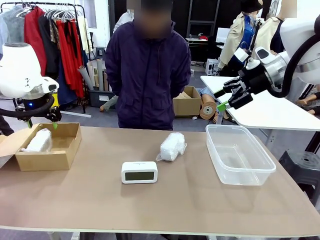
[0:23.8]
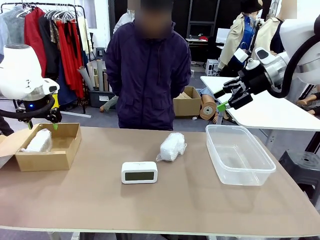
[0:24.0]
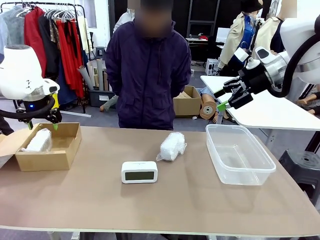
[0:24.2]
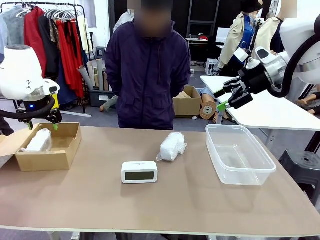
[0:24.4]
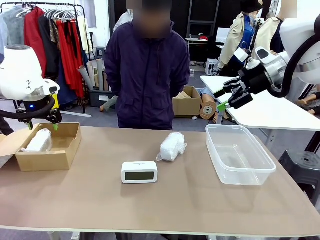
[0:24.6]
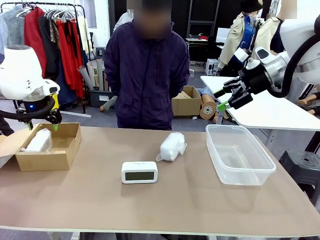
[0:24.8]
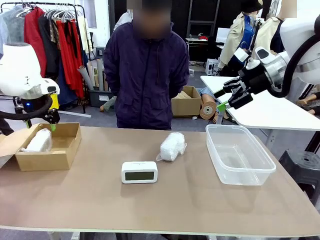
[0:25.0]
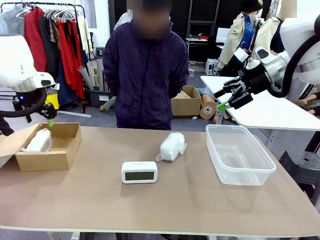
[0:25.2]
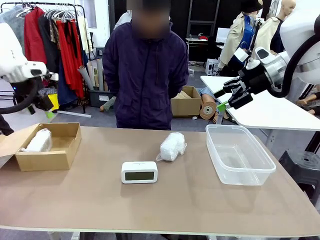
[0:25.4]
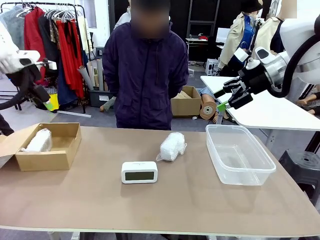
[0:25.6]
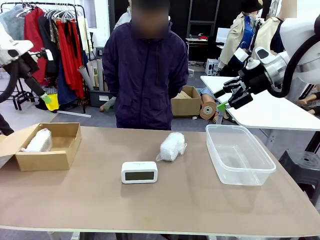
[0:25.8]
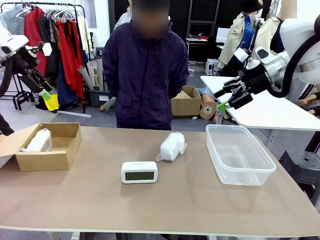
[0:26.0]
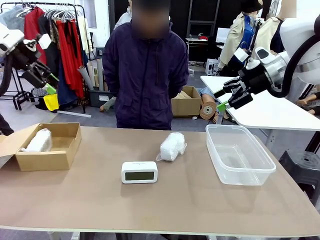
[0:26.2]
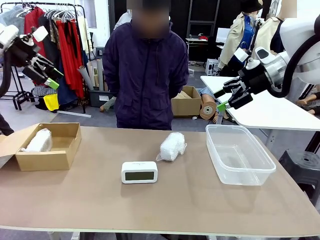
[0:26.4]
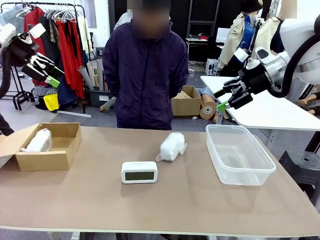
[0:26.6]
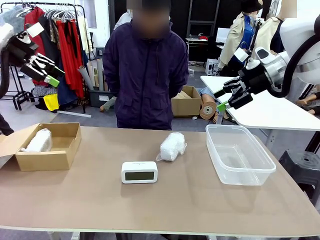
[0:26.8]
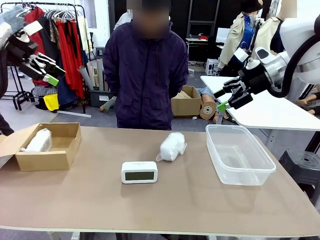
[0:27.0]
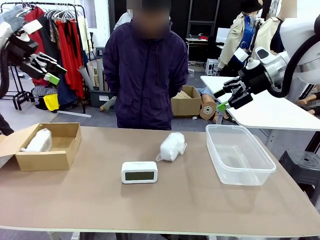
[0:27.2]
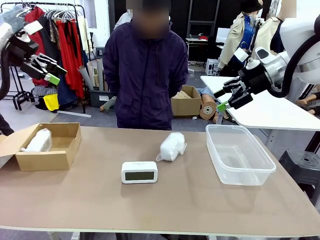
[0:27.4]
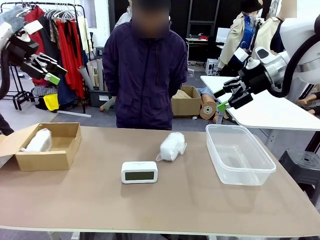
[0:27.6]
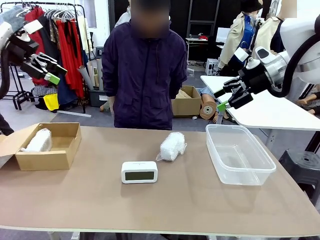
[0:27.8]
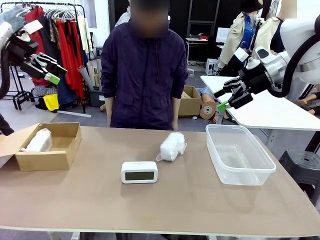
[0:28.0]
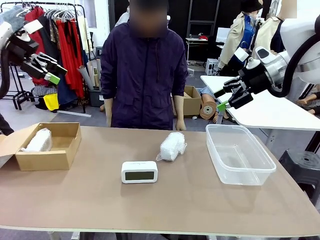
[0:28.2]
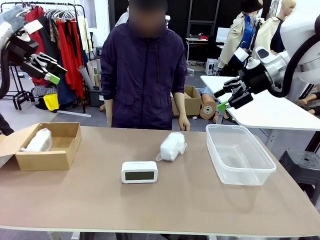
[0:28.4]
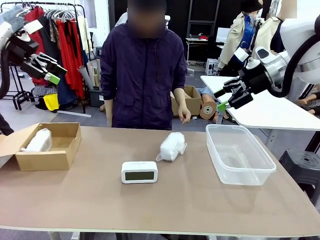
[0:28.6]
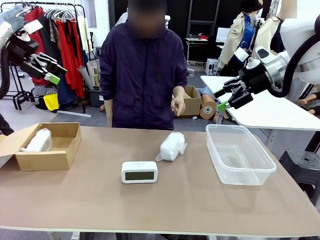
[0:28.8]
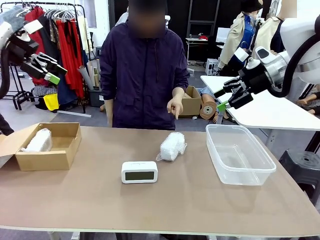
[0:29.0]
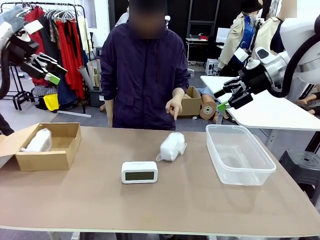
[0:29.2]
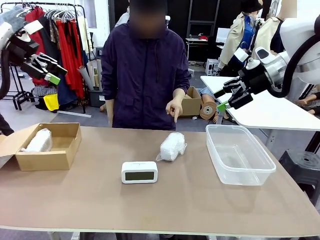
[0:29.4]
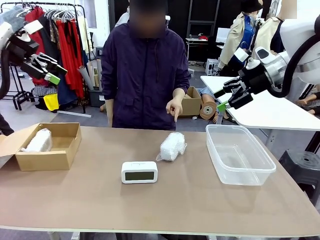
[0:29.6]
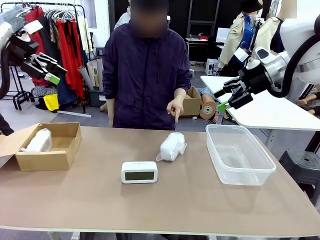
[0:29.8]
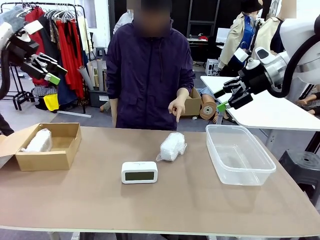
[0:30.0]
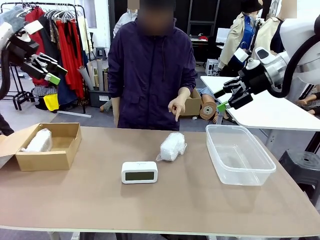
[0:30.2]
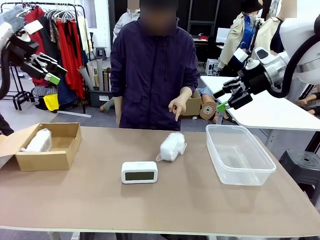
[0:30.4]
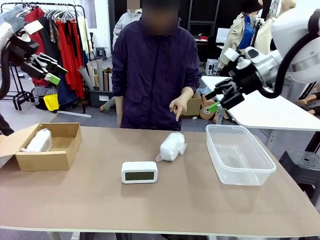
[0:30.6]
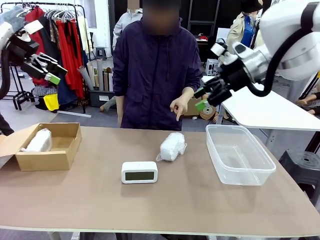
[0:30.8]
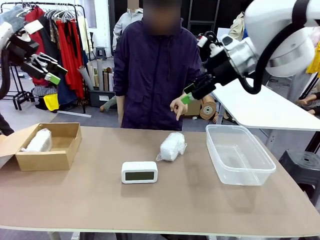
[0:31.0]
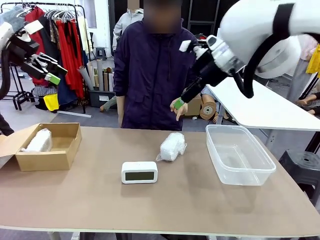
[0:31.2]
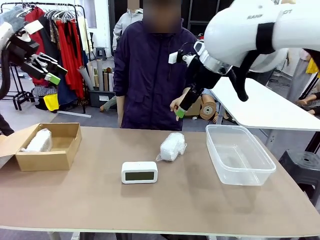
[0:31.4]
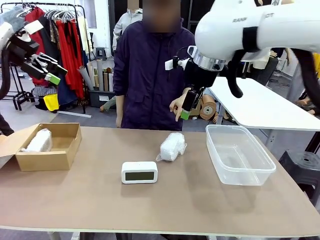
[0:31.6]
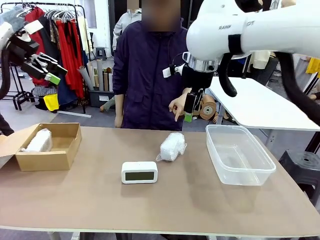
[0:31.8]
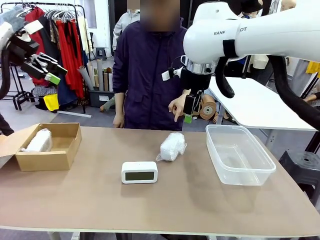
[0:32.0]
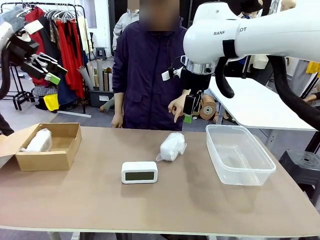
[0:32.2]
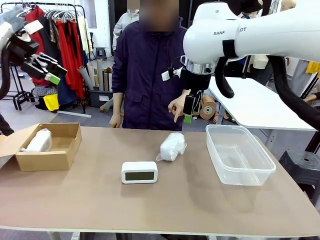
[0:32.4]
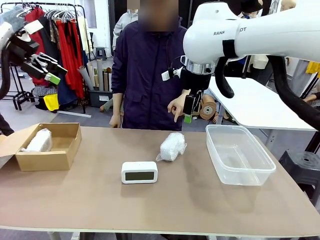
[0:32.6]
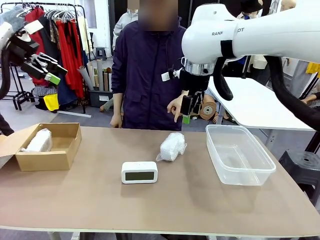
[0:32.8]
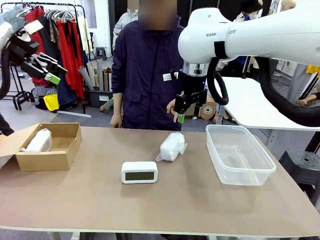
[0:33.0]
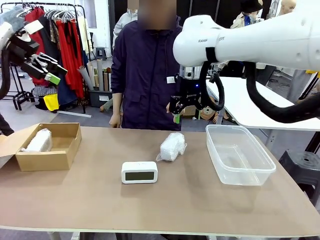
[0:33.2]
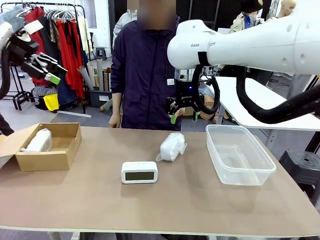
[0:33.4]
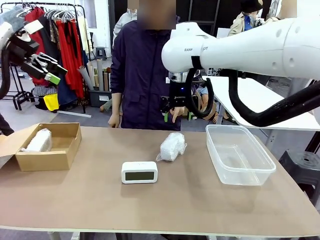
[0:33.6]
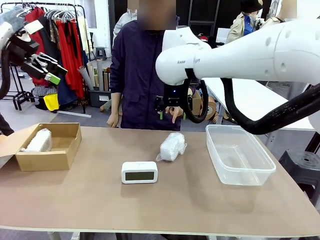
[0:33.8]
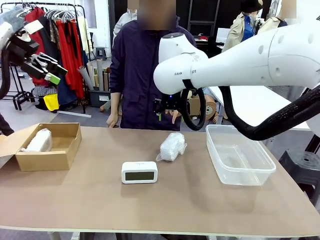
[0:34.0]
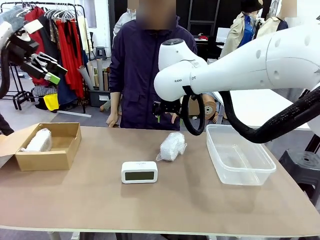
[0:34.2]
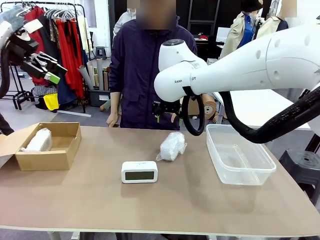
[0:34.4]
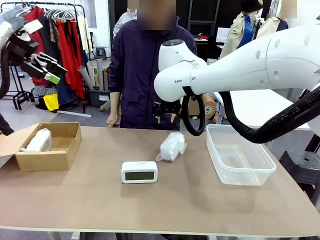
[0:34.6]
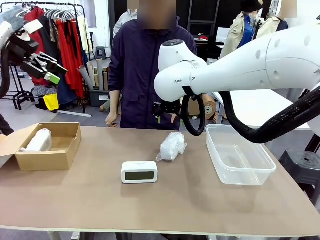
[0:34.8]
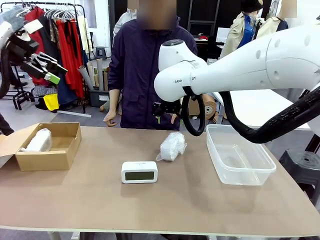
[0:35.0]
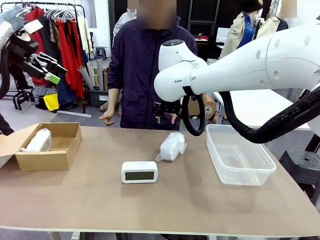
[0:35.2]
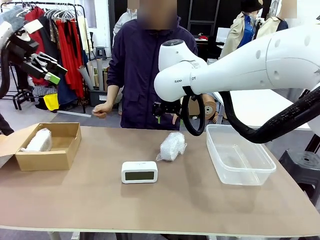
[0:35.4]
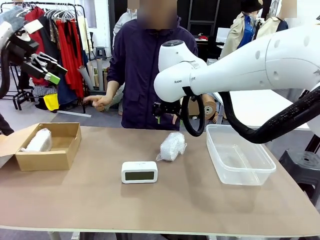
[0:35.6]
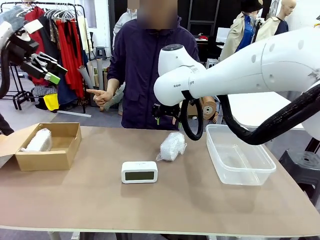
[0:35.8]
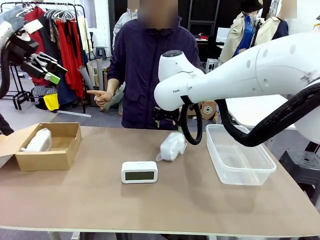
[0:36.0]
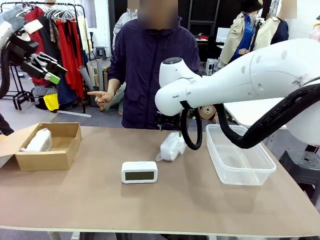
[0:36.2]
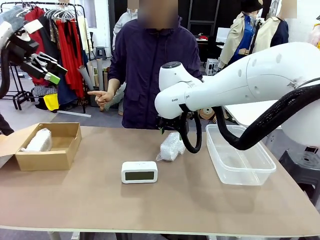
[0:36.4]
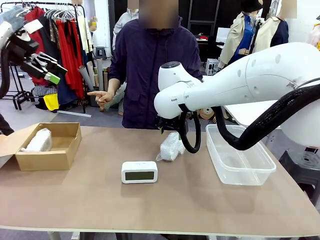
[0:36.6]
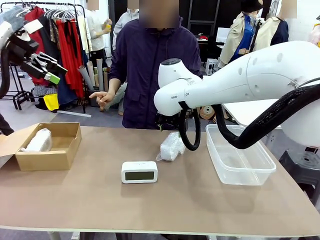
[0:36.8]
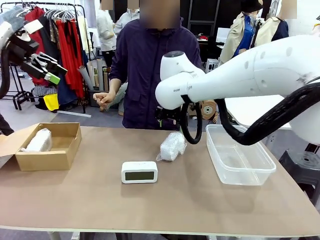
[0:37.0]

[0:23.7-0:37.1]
Task: Separate and place wrapped and unwrapped clocks.
Robot: Pick up the Digital clock indicated by the person.
